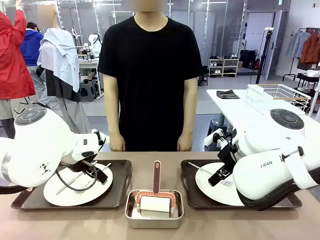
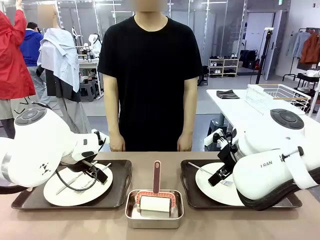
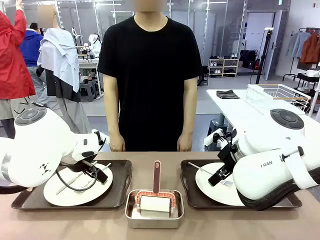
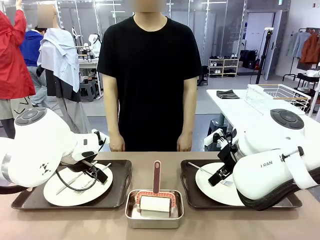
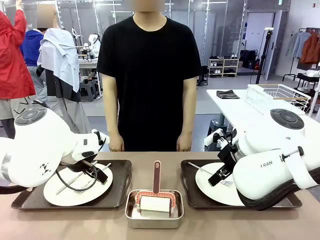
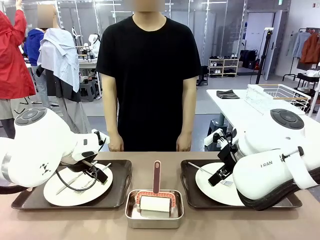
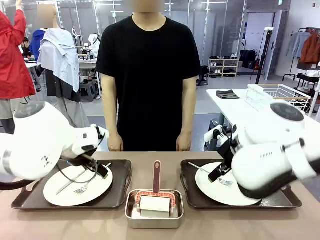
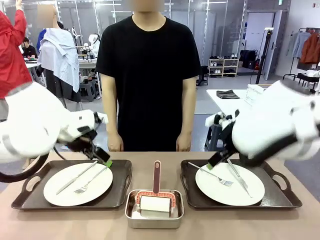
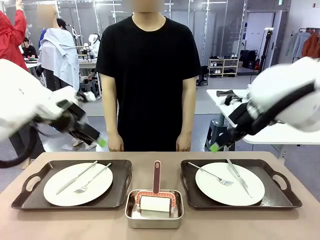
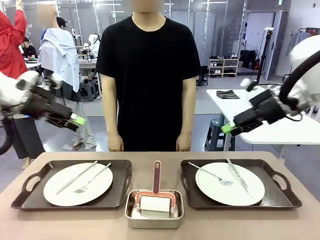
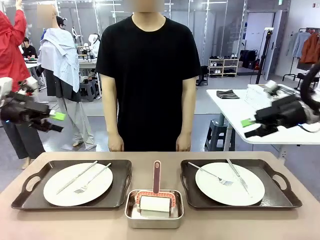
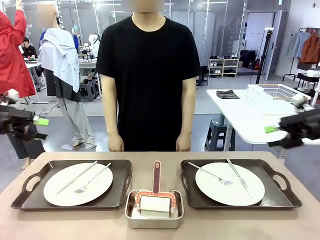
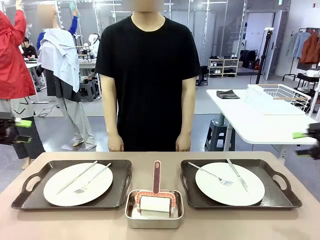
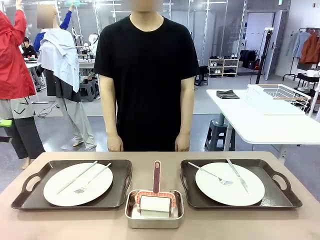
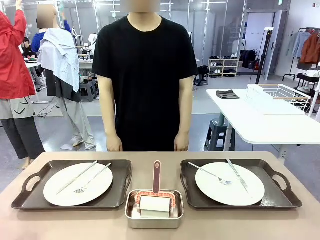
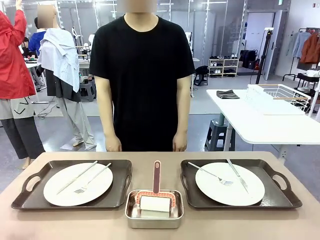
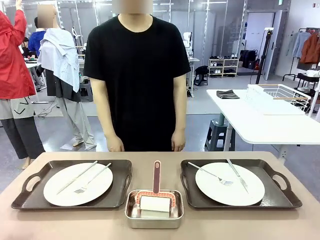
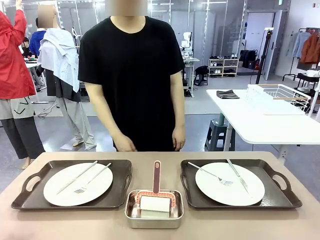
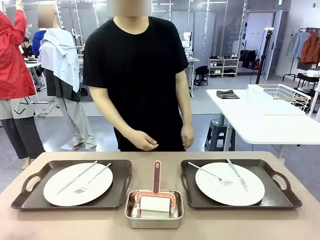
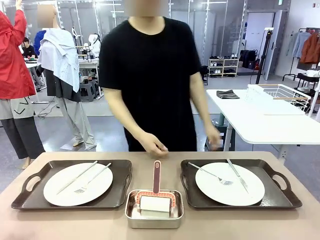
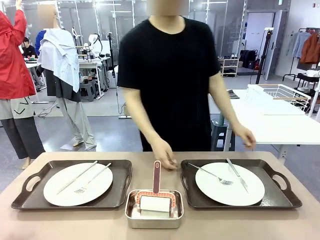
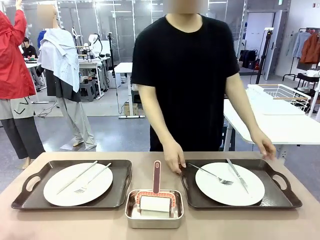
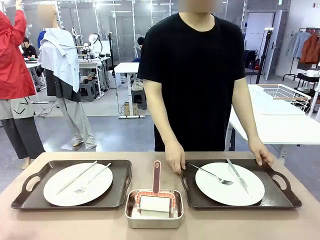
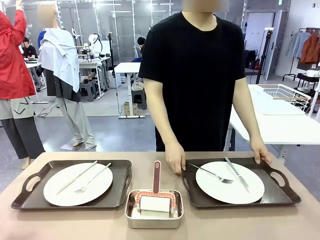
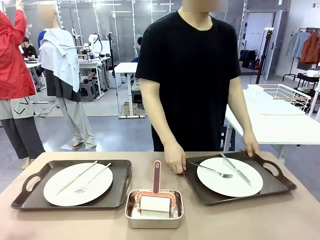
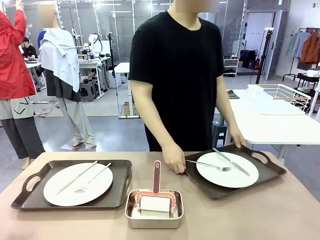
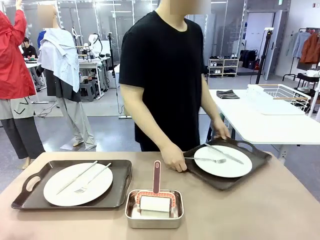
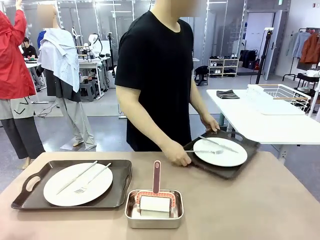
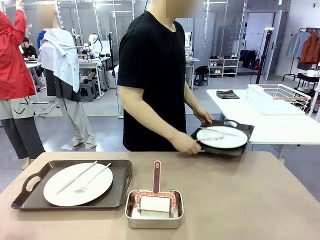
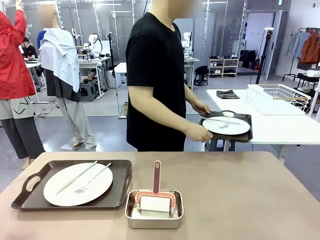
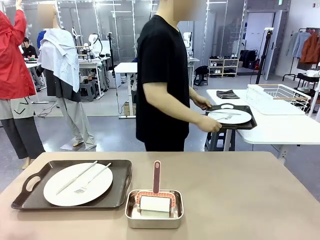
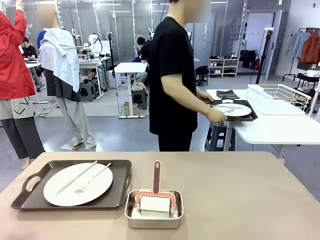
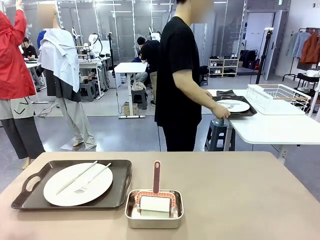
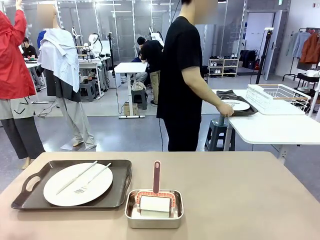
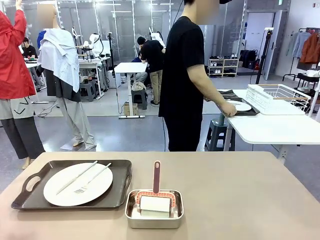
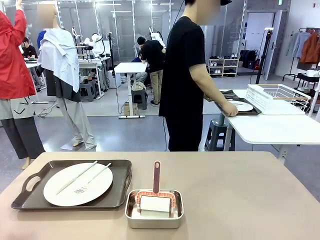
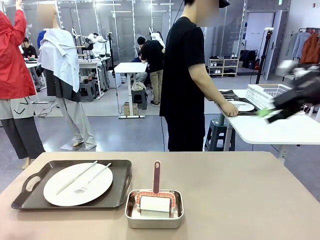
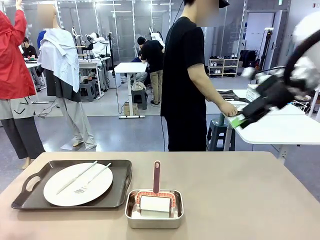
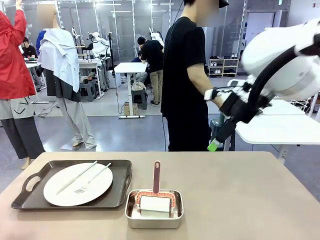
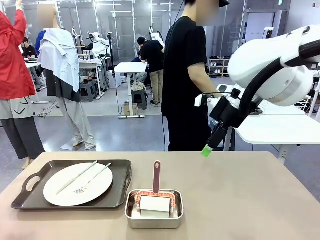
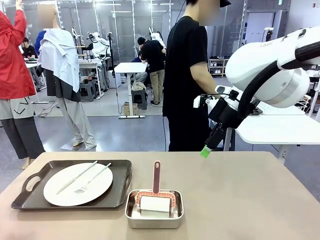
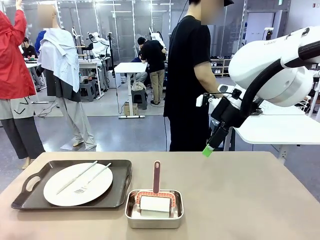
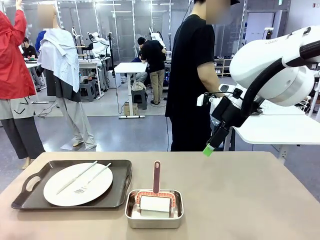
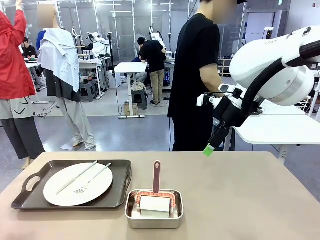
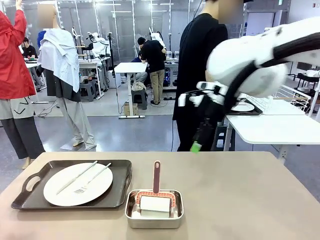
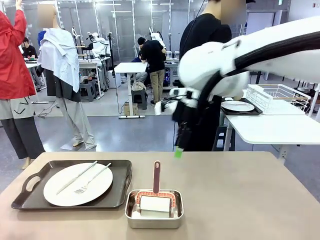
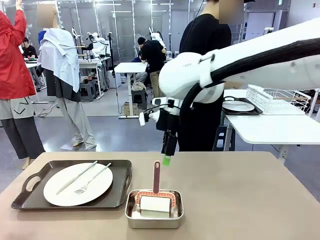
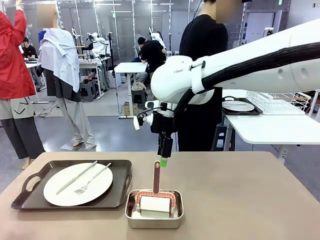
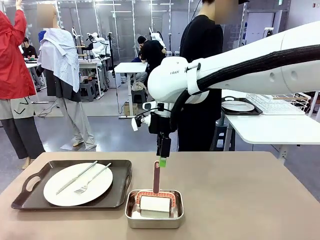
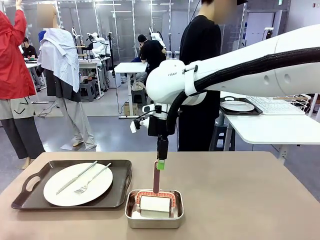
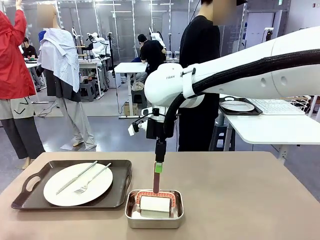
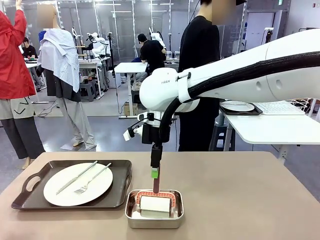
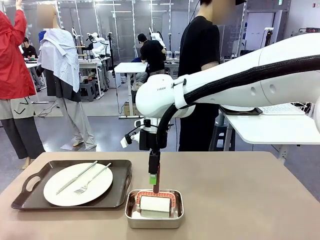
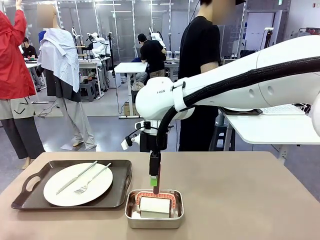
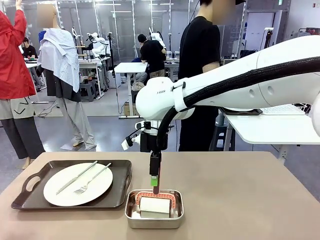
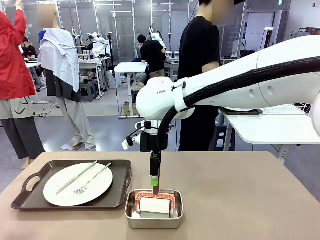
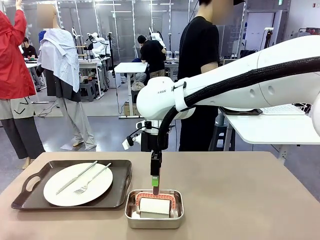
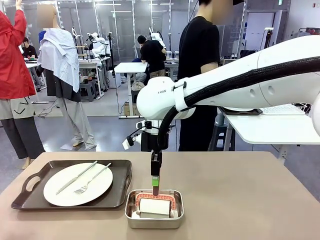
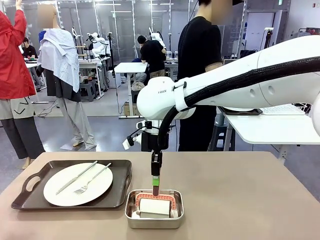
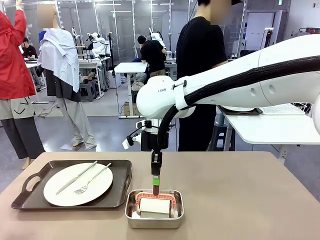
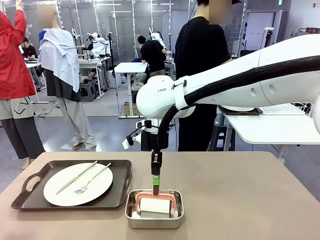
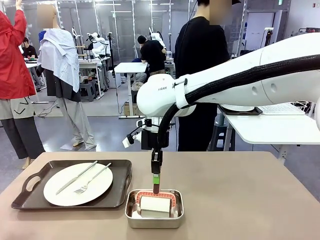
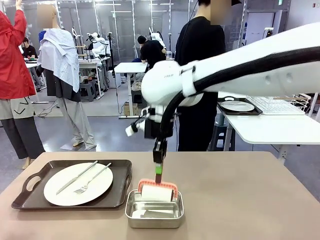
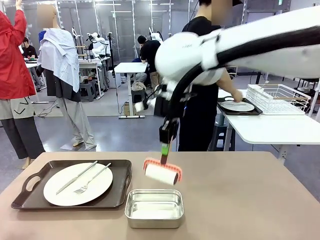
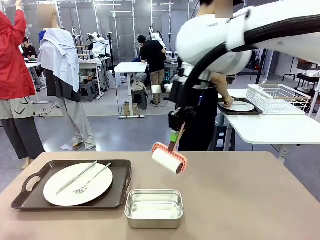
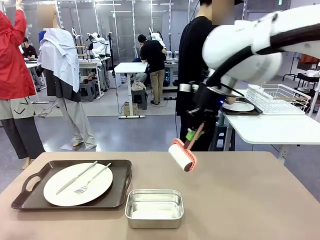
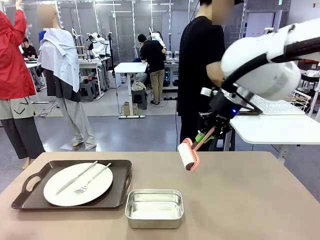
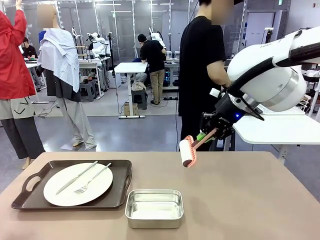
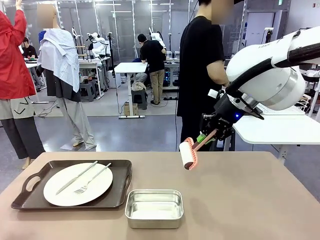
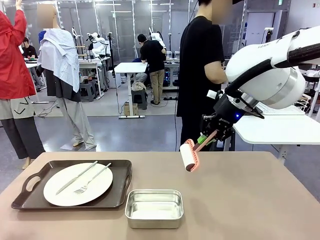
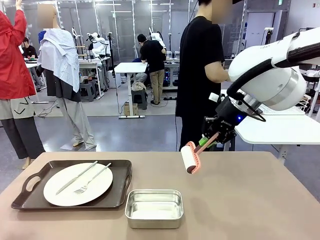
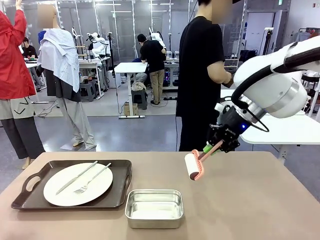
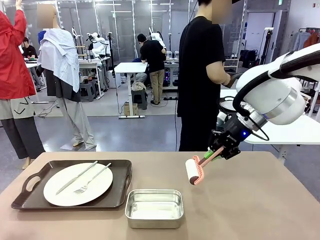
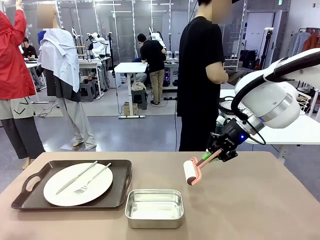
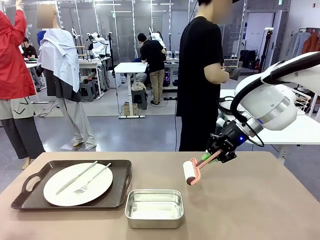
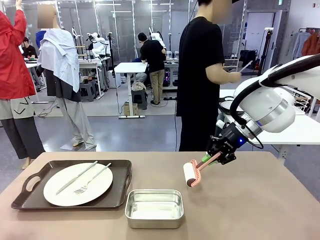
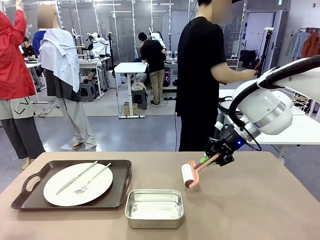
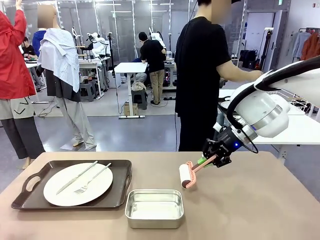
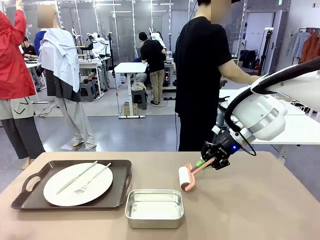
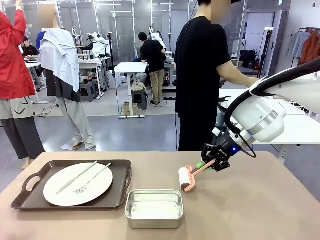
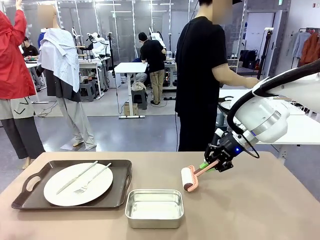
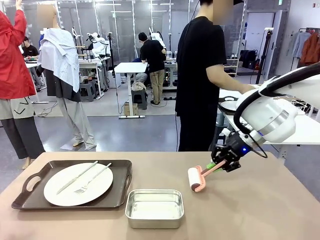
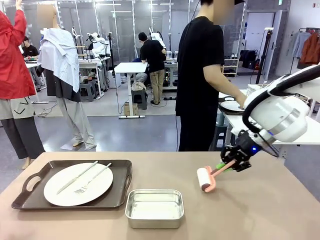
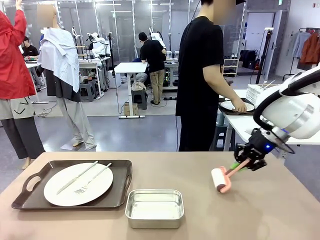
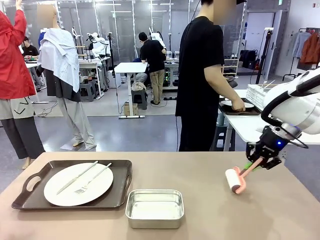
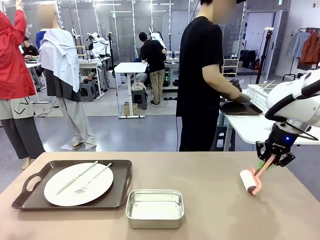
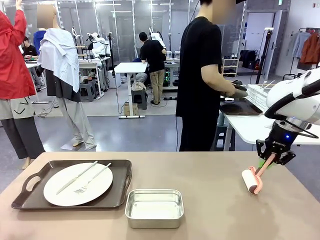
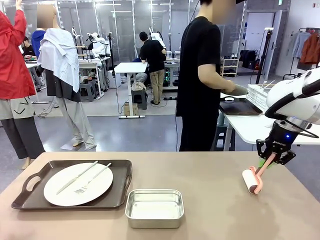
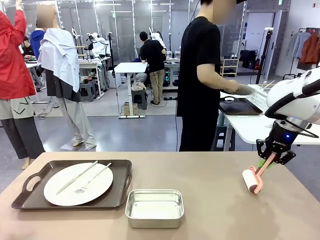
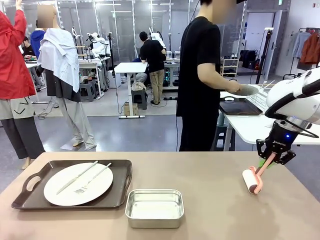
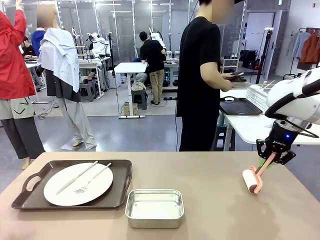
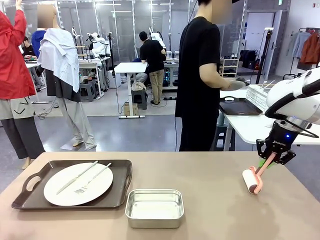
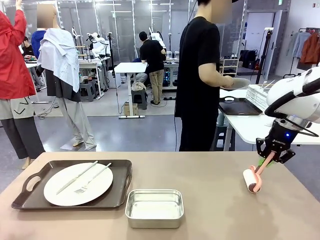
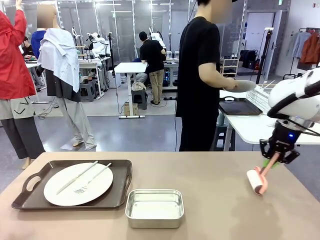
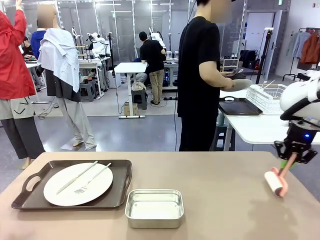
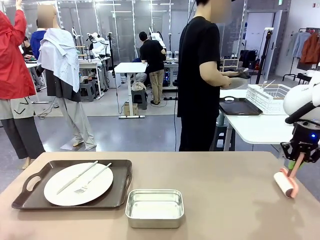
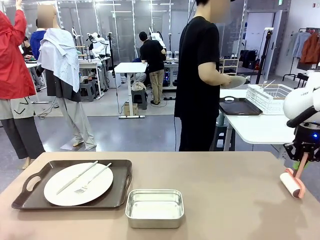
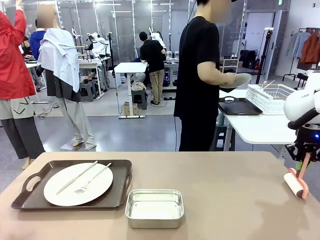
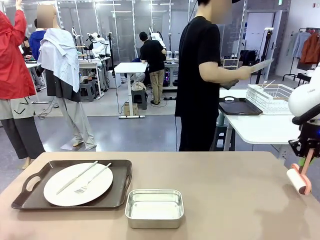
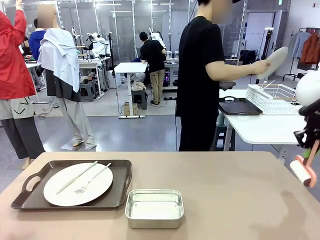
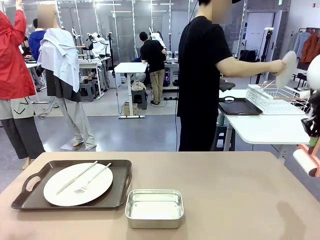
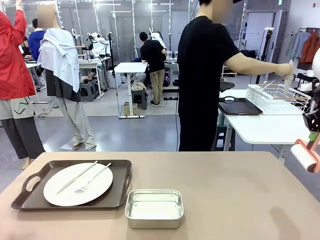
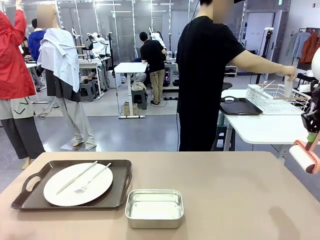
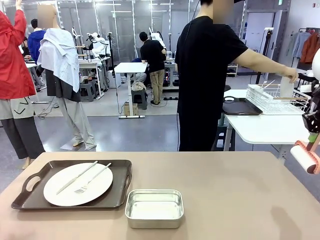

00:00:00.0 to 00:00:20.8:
Robot: When the left (or right) Handle tray is removed, use the left hand (or right hand) to clean the left (or right) side of the table with the Lint Roller.
Person: Pick up the left (or right) Handle tray and place it on the middle of the Human's table. Use the Towel with hook to wipe the Plastic Matte Plate , Fork , and Knife and place into the Dish drying rack.
